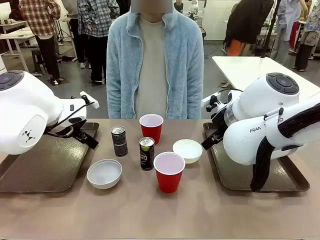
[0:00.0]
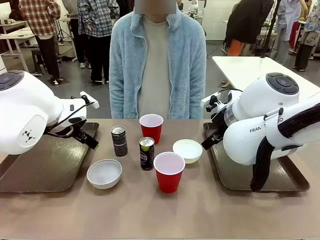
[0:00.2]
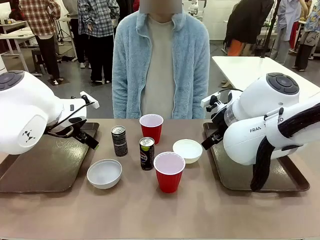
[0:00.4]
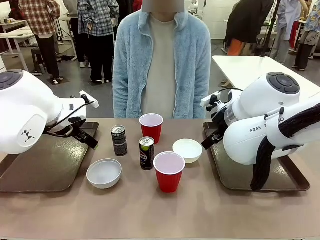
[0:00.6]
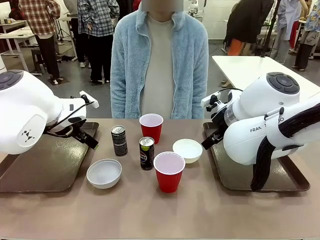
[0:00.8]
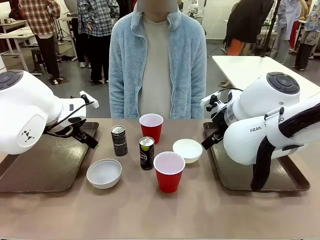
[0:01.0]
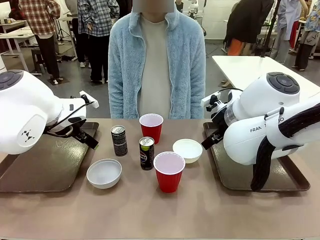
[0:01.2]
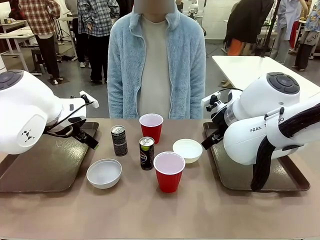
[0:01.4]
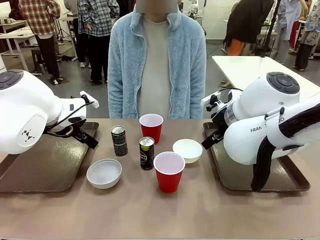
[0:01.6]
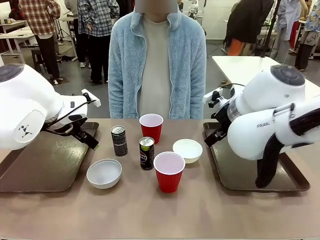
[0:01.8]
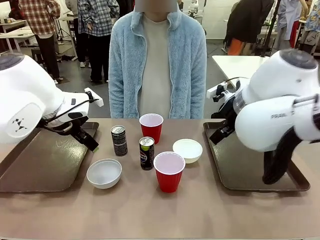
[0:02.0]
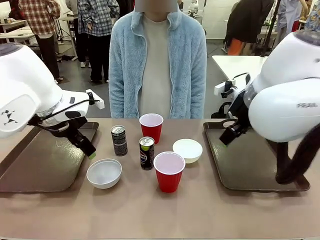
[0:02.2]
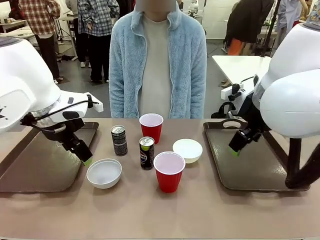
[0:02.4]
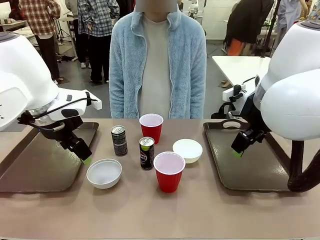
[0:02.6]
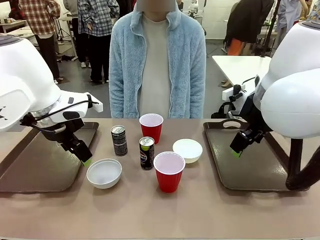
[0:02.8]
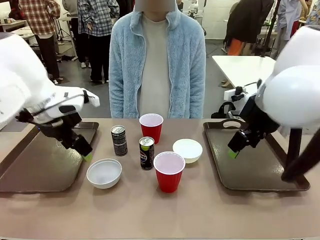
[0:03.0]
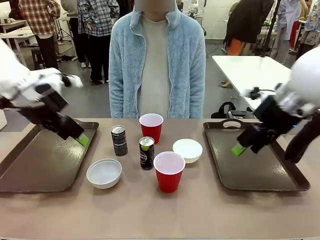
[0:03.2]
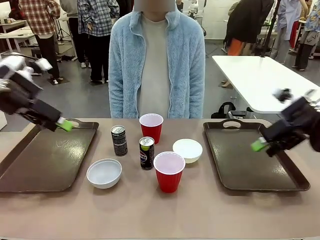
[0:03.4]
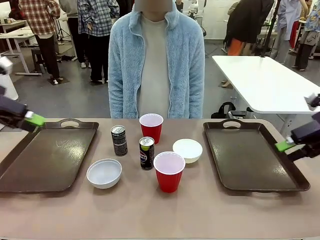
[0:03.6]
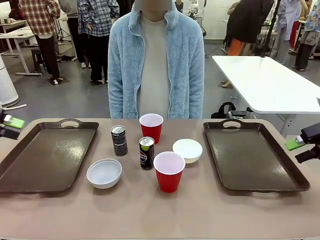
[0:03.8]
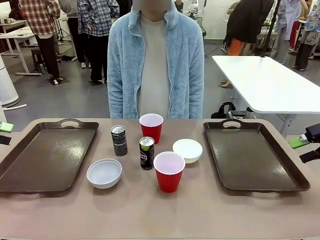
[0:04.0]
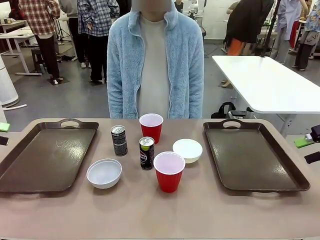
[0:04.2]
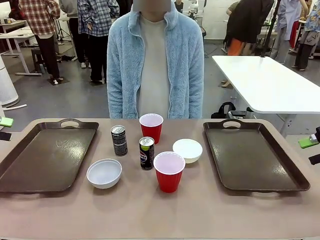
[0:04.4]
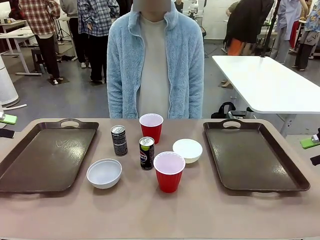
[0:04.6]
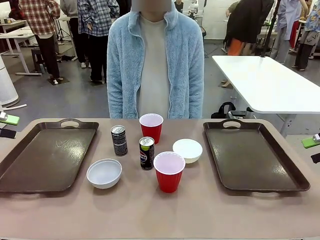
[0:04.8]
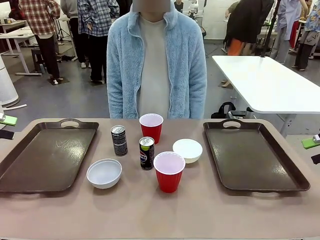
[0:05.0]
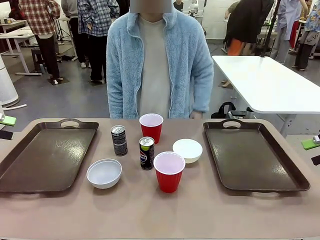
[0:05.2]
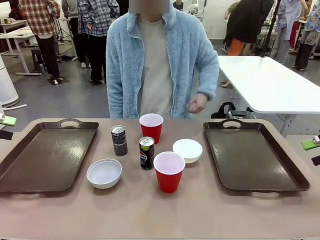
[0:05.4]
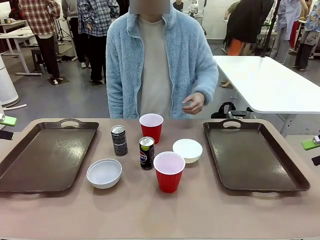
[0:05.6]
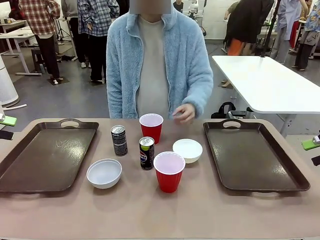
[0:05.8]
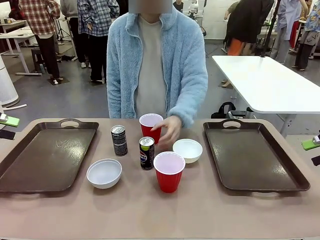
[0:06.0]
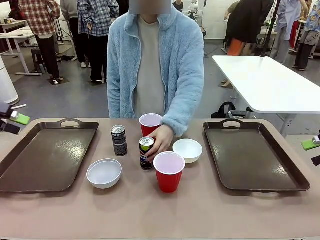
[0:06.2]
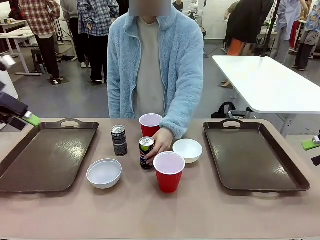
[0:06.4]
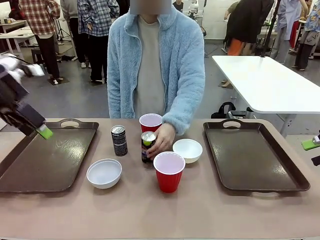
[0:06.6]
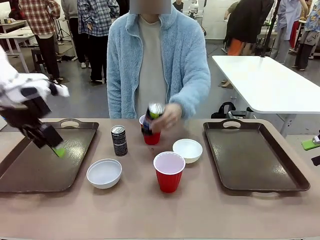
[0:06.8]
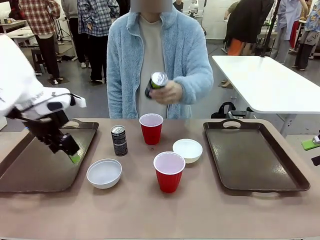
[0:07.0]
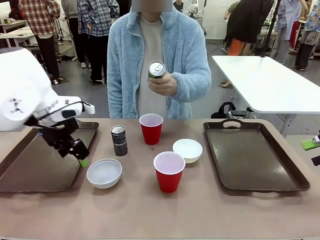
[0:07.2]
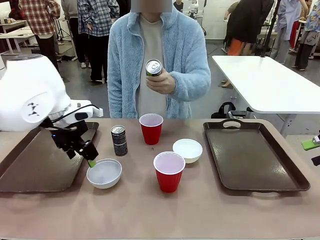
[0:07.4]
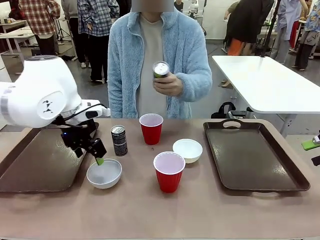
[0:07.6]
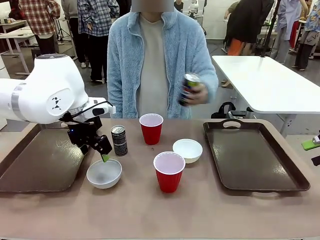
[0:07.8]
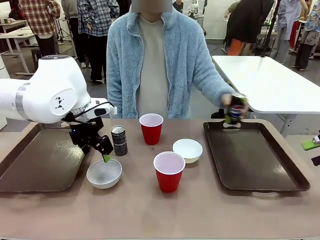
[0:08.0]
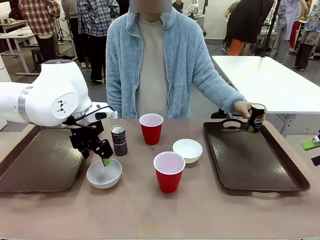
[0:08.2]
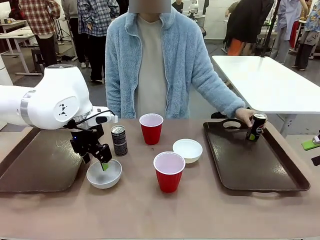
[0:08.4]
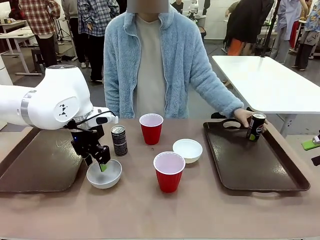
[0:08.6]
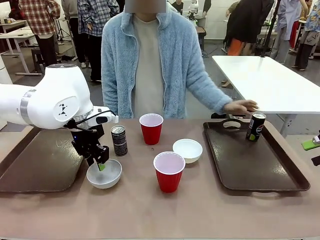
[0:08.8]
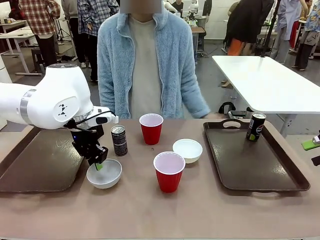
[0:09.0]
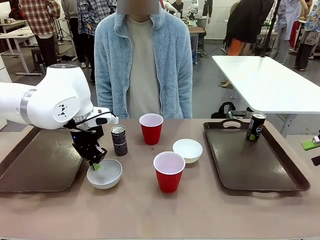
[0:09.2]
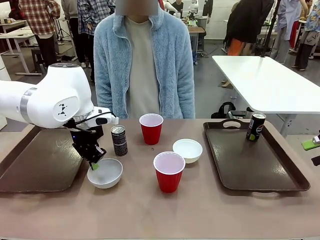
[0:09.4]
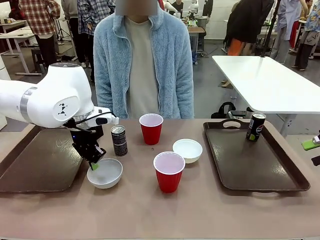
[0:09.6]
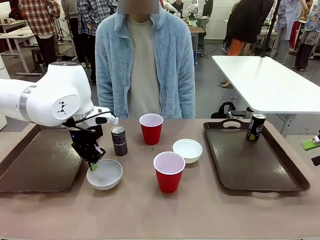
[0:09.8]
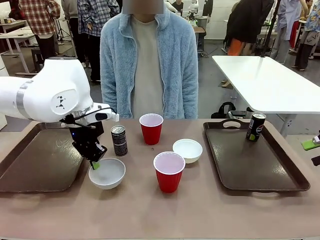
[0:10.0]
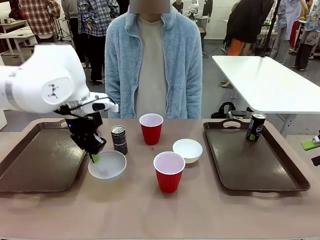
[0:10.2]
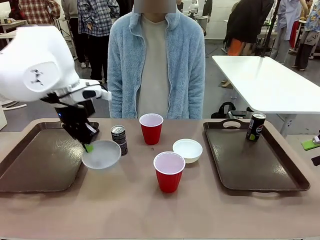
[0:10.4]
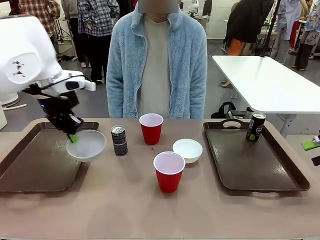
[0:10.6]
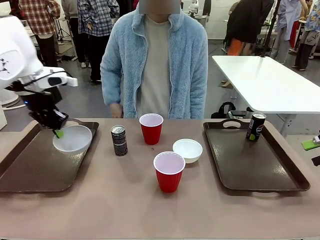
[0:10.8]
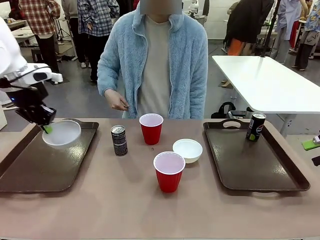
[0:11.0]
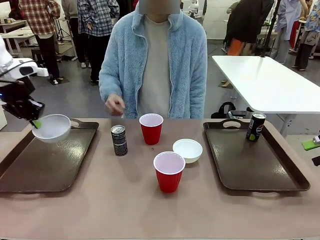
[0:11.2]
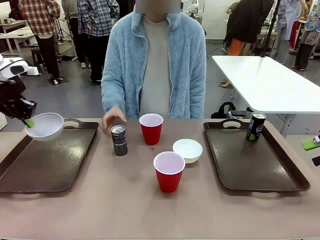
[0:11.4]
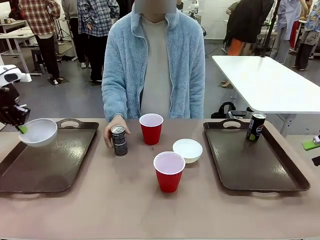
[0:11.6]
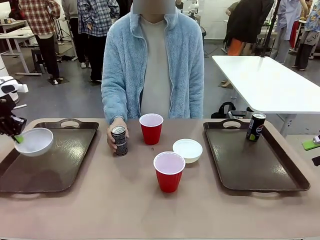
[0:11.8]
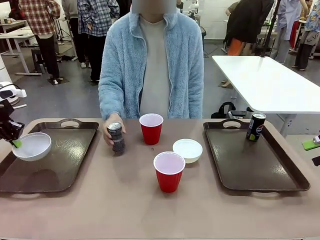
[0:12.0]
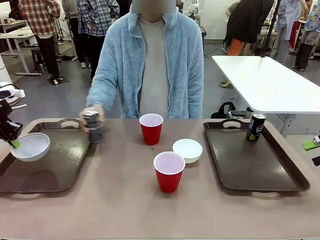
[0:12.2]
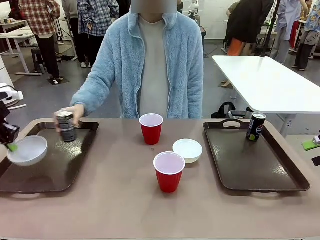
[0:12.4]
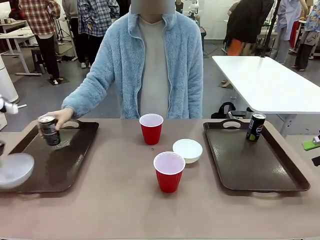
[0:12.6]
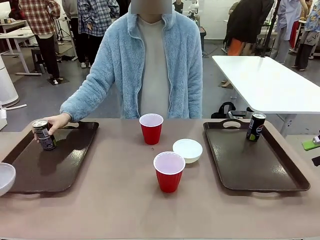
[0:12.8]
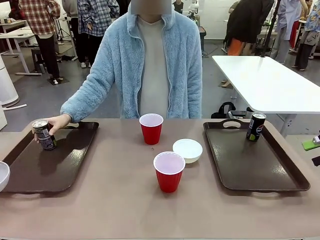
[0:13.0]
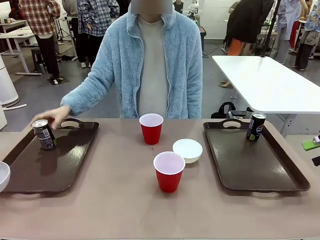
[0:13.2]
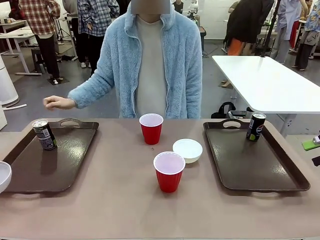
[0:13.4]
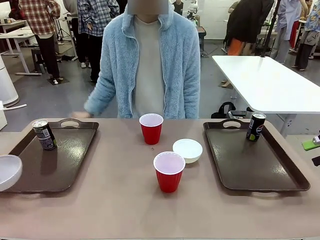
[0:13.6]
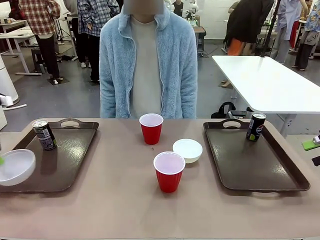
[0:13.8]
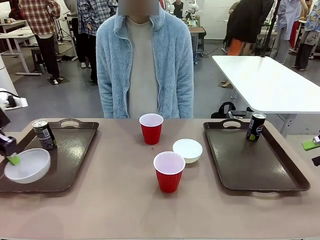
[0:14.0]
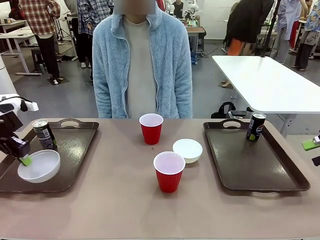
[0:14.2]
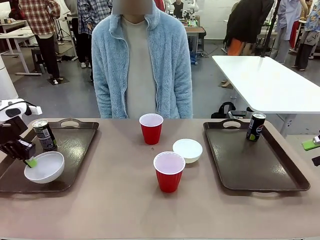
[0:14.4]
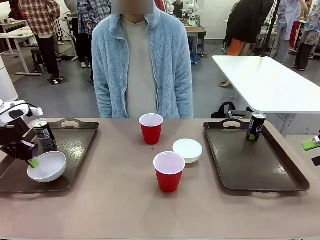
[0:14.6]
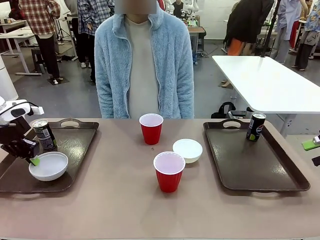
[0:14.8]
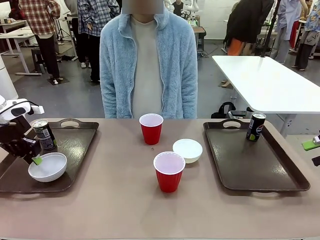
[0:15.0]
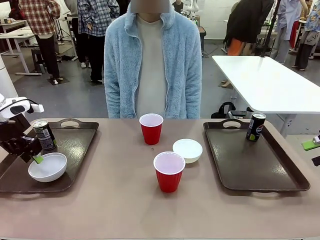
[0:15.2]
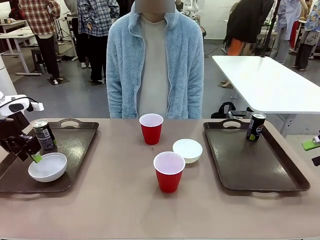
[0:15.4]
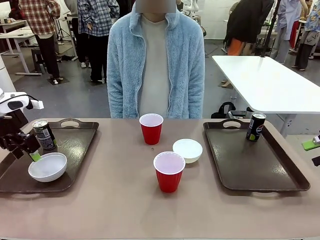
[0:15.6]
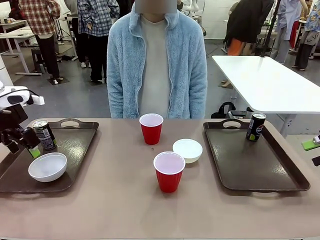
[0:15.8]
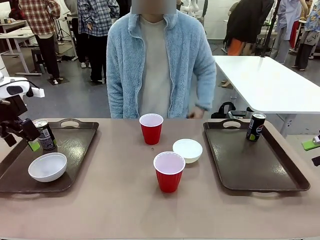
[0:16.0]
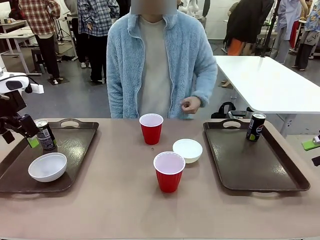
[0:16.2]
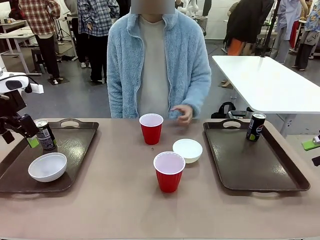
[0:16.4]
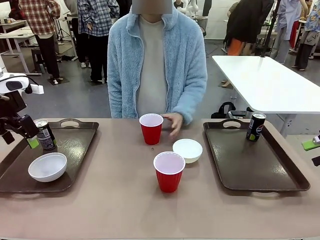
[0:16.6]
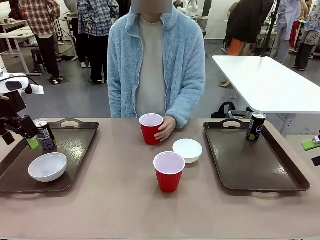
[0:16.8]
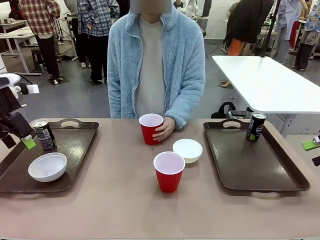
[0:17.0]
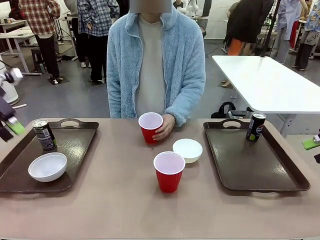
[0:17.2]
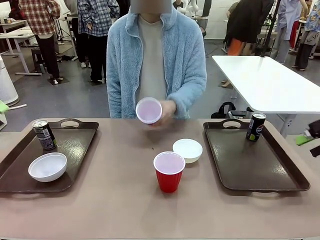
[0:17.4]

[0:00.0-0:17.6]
Task: Prepare tableware on both trays.
Robot: Pick up a Picnic Bowl from the table and place it on a Handle tray.
Person: Pick up a can or cup and place it on the tray.
